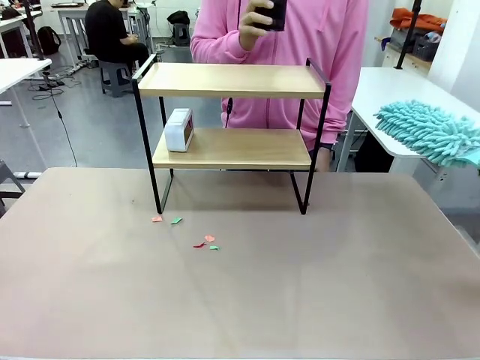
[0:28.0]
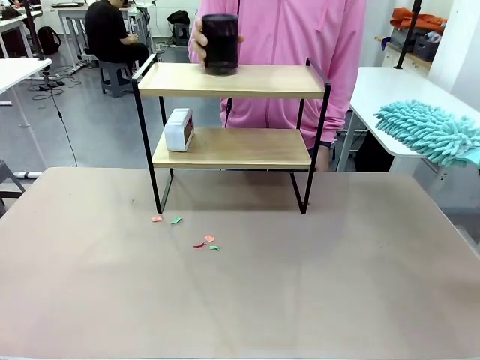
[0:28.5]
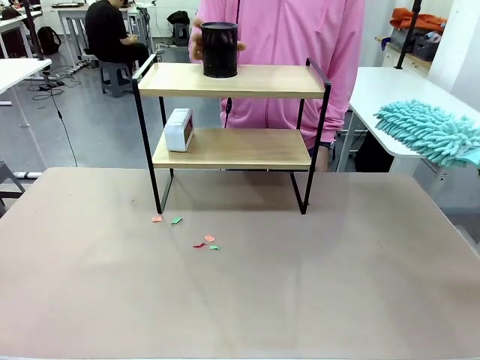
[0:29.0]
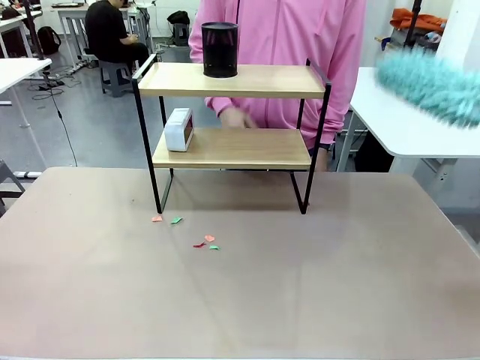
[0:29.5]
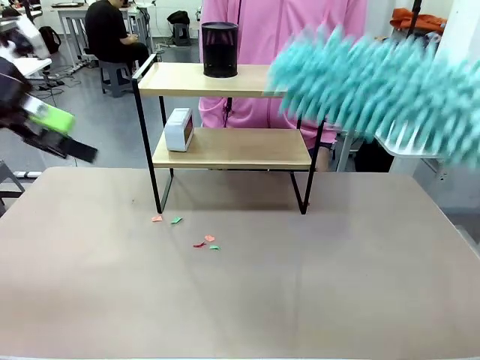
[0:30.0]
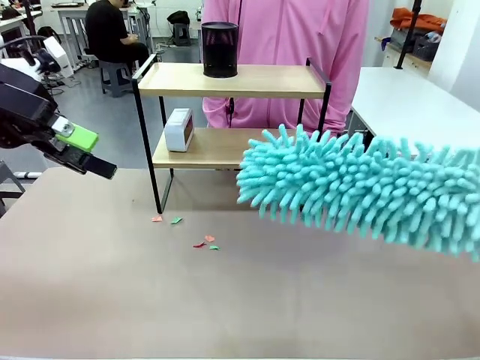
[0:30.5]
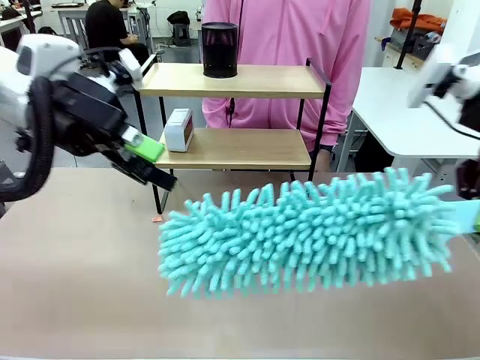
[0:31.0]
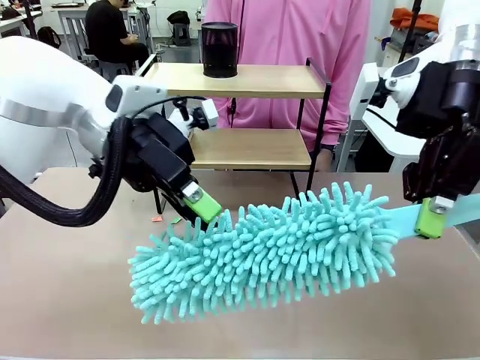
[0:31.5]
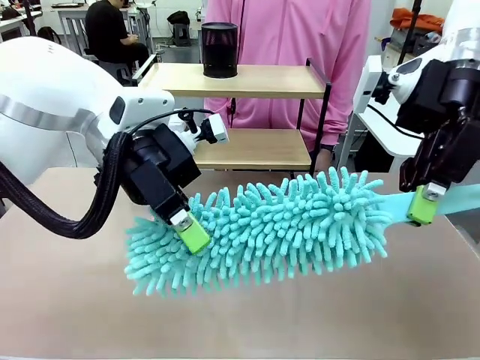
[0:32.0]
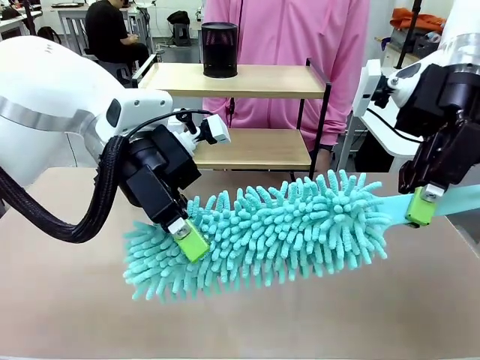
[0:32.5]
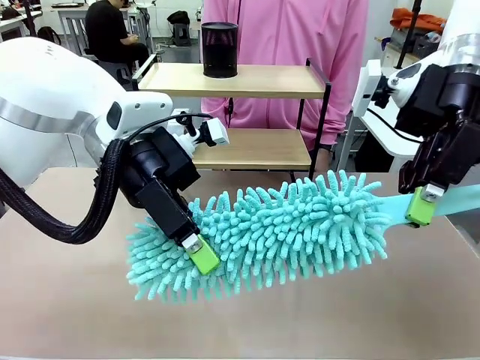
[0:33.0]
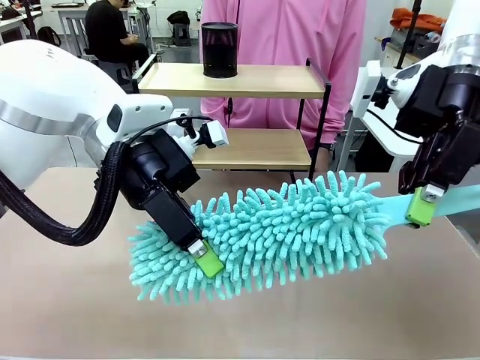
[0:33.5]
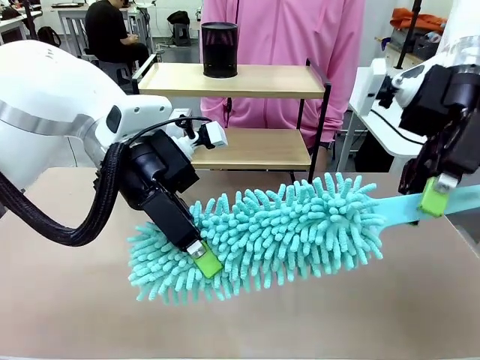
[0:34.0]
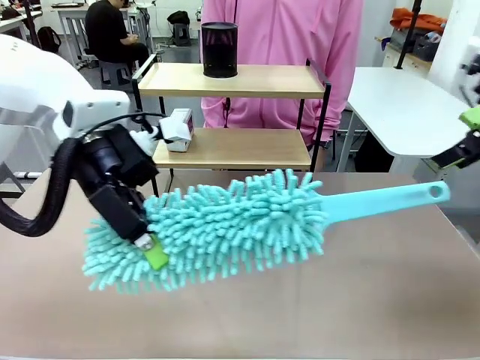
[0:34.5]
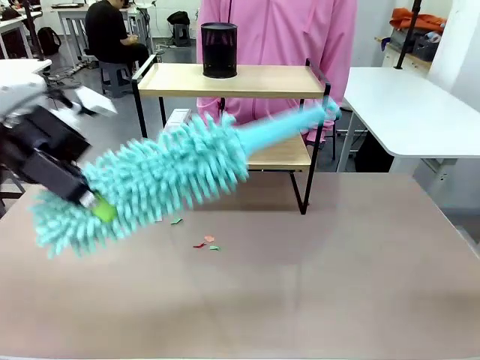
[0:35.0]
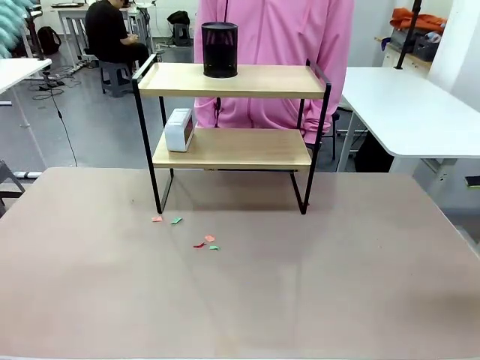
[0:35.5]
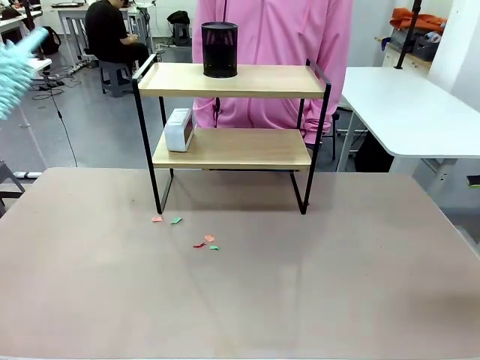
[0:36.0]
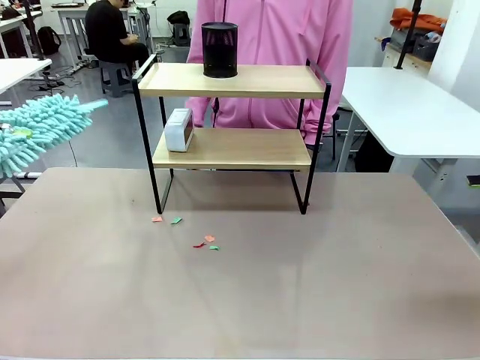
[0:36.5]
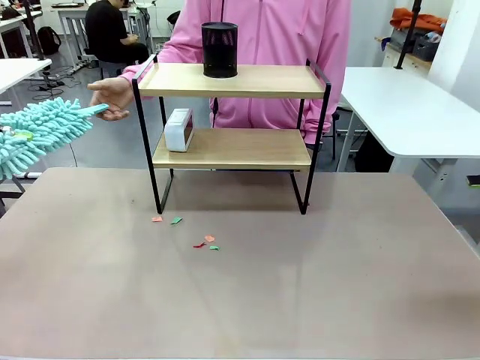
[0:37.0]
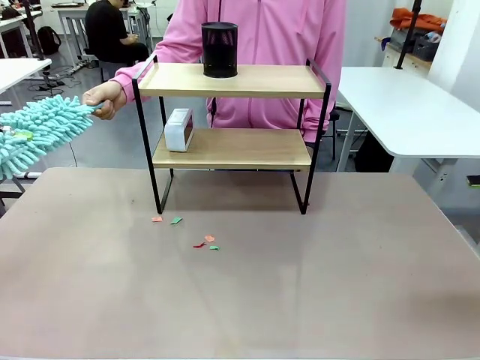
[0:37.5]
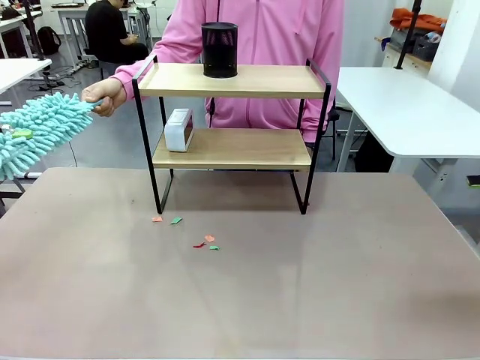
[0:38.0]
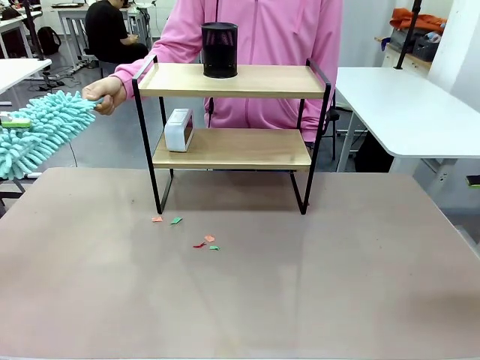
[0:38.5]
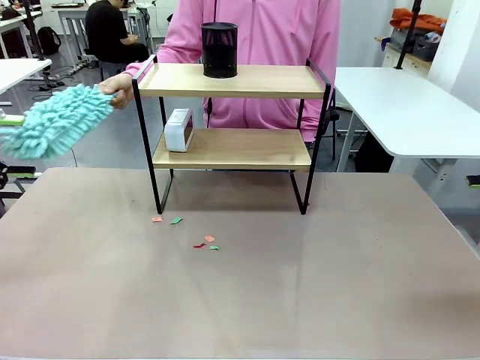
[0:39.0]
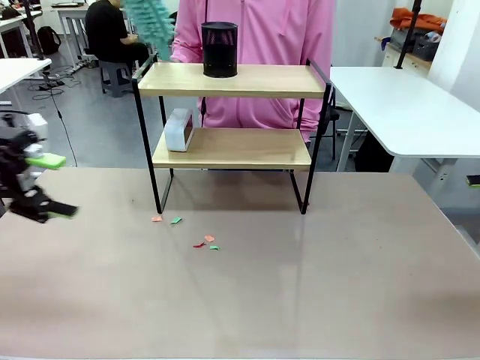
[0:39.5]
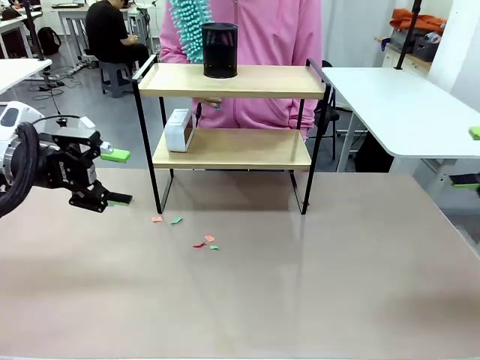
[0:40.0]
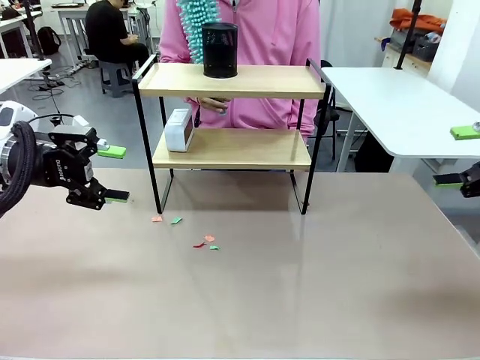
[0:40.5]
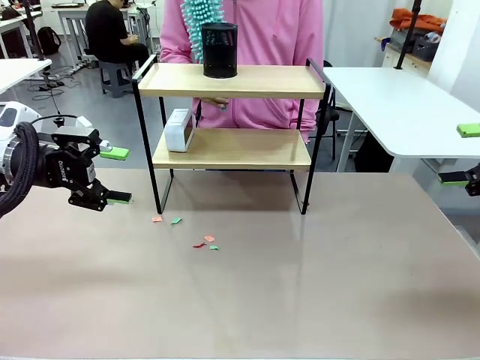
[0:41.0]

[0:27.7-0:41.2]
Task: Clean the shelf.
Robot: Hand the Duster back to the human.
Person: Receive the Duster from the robot.

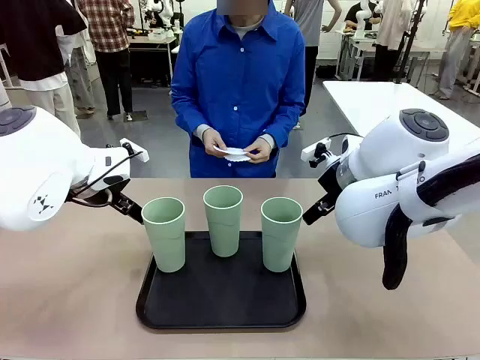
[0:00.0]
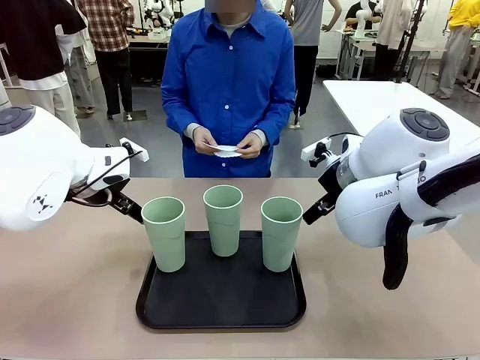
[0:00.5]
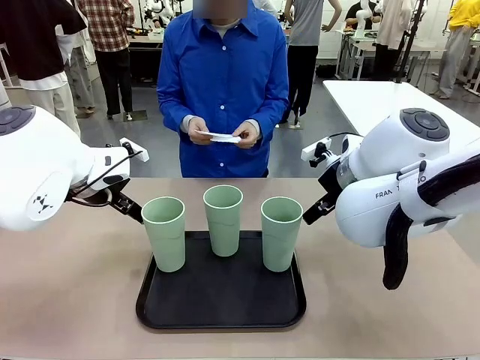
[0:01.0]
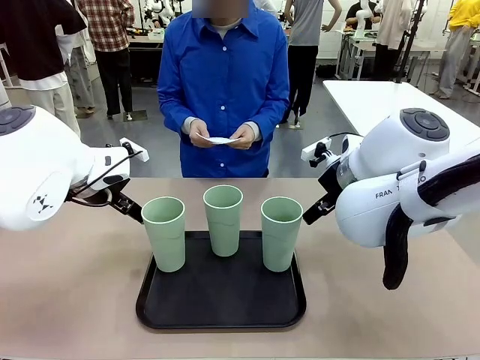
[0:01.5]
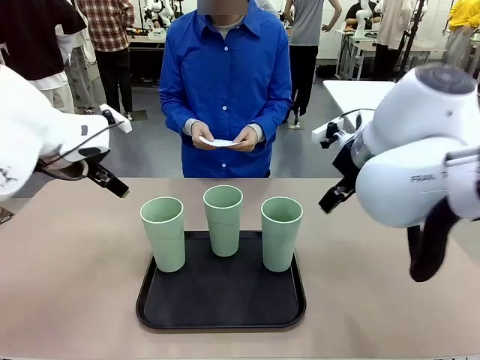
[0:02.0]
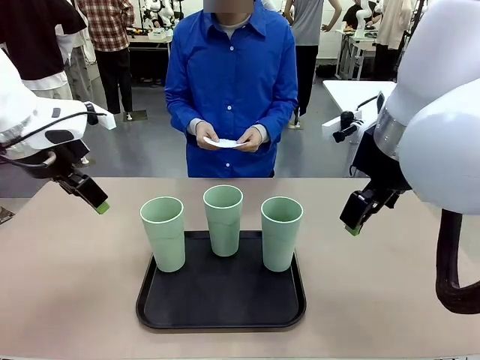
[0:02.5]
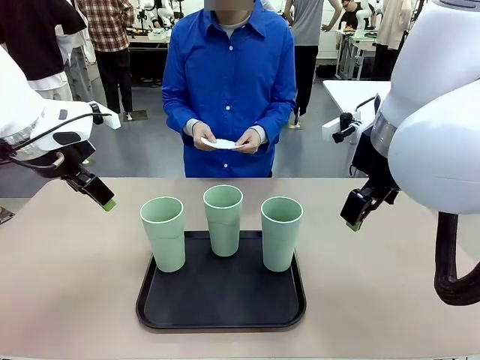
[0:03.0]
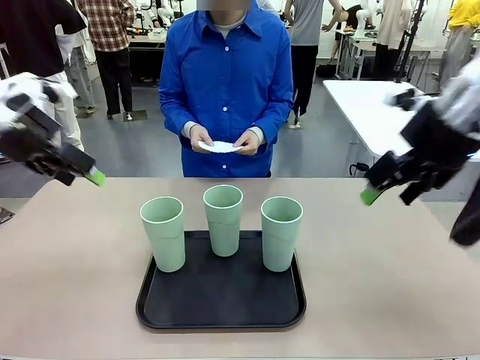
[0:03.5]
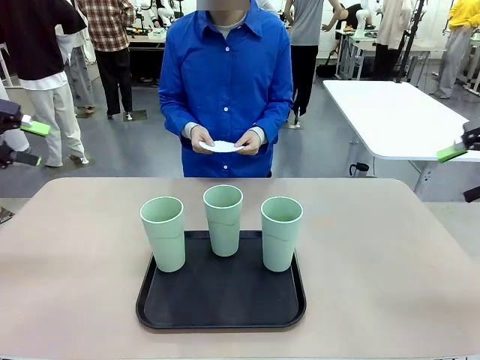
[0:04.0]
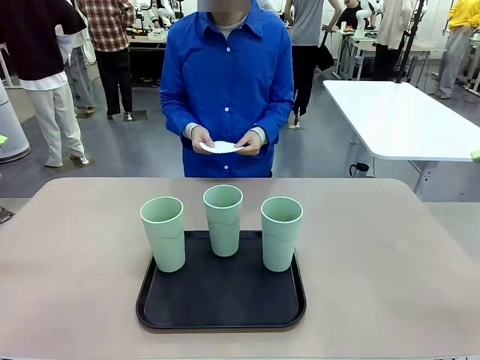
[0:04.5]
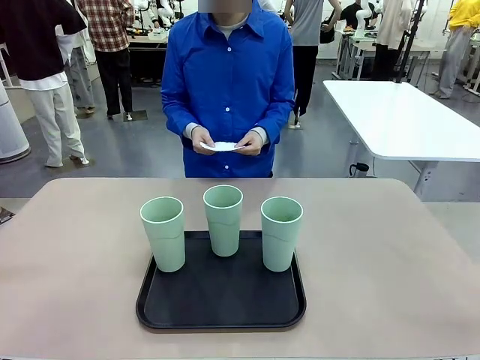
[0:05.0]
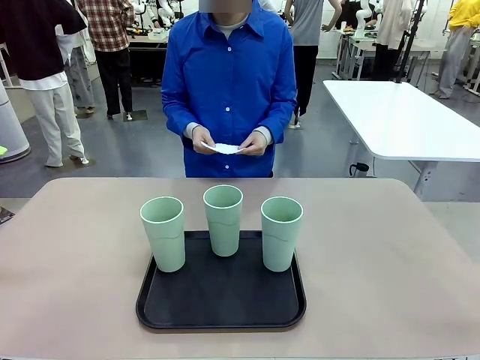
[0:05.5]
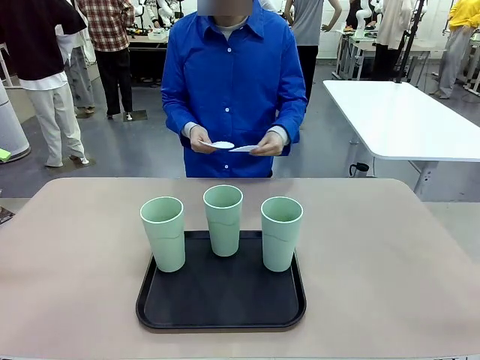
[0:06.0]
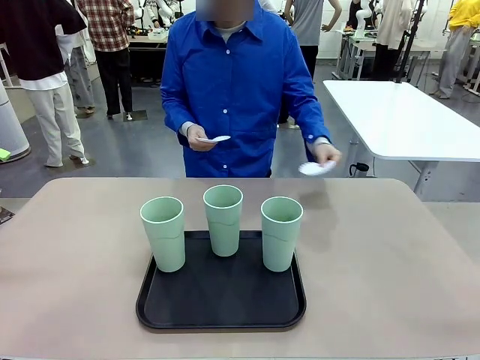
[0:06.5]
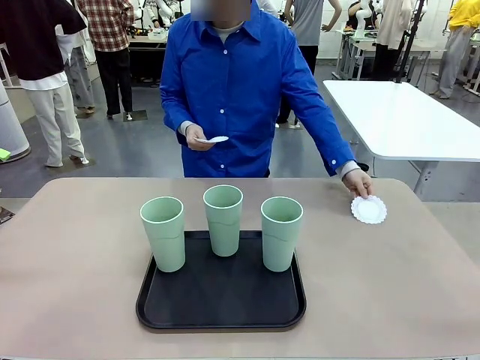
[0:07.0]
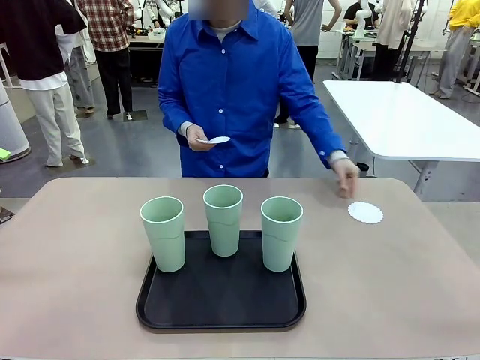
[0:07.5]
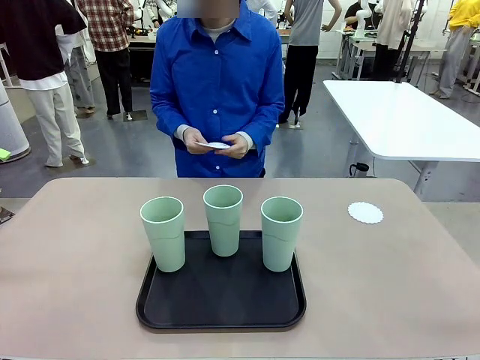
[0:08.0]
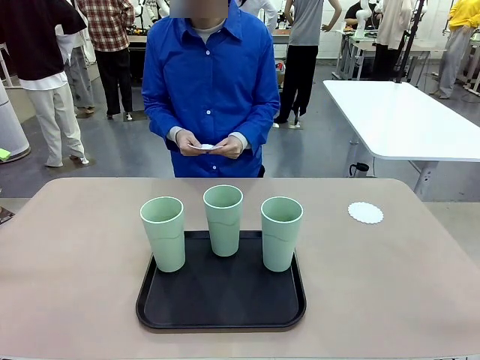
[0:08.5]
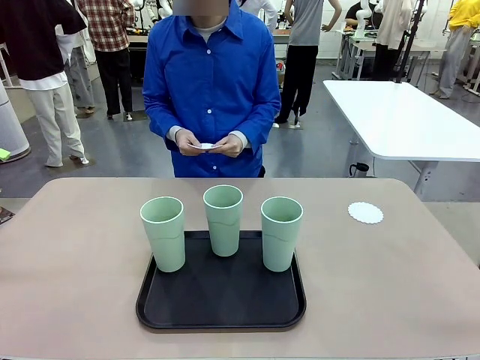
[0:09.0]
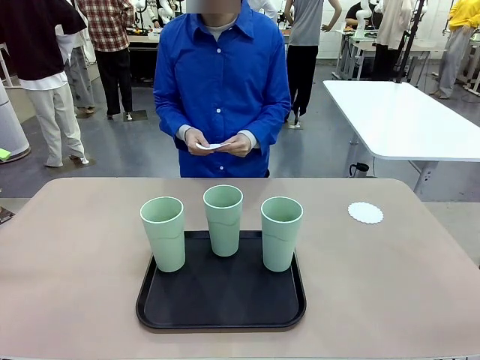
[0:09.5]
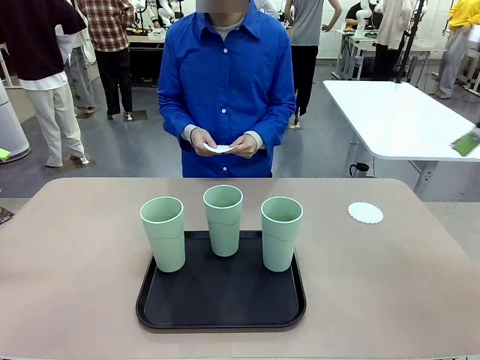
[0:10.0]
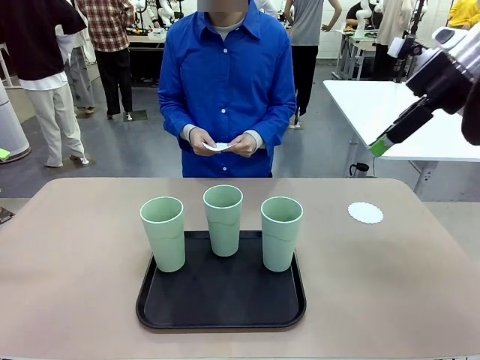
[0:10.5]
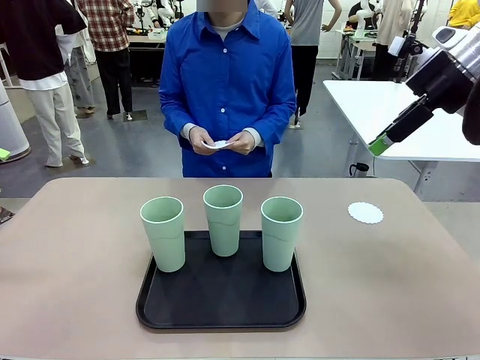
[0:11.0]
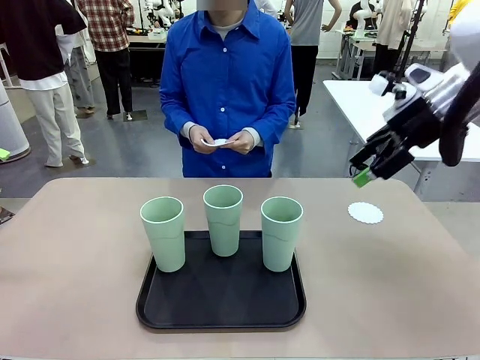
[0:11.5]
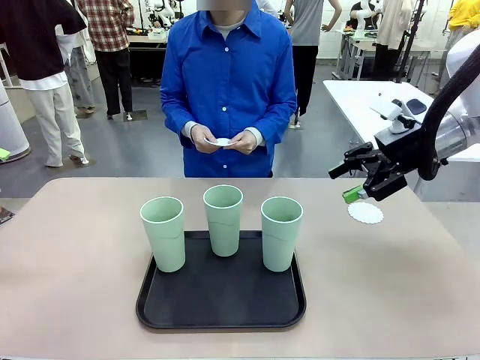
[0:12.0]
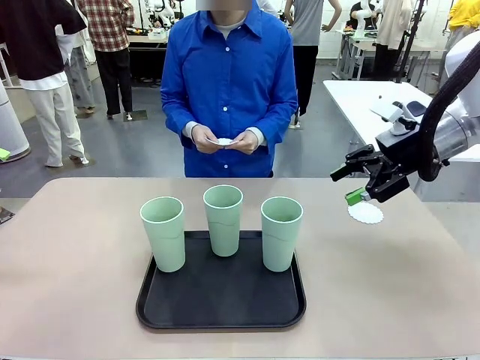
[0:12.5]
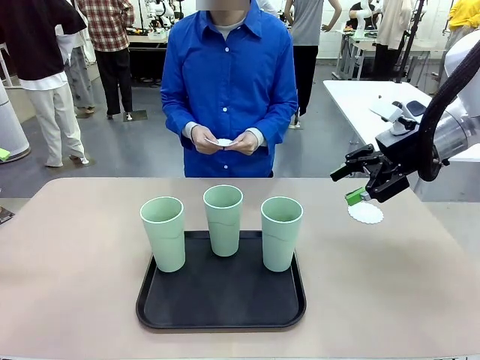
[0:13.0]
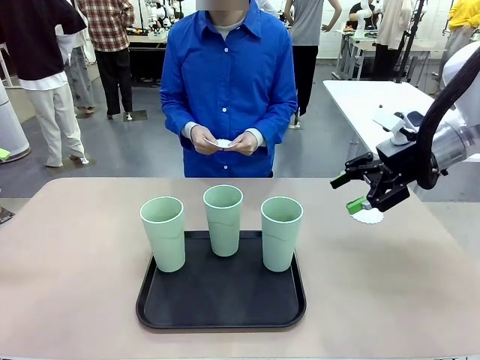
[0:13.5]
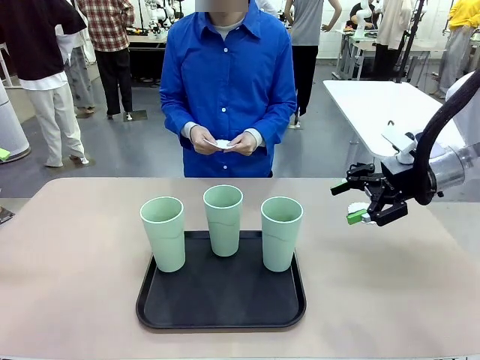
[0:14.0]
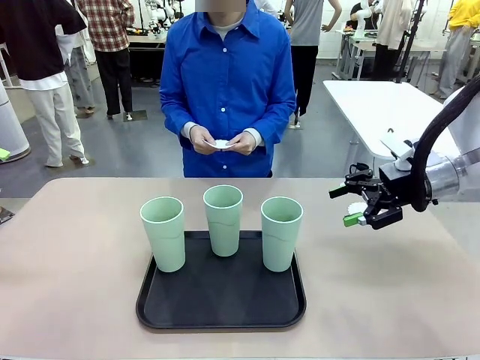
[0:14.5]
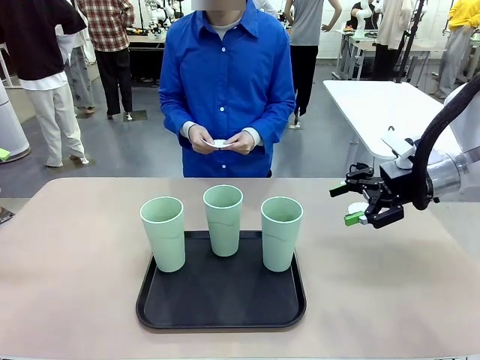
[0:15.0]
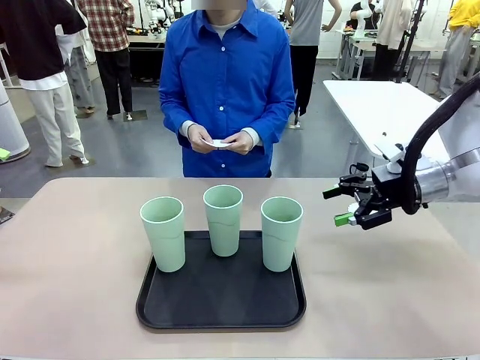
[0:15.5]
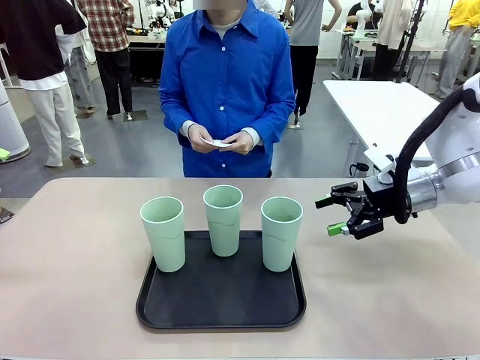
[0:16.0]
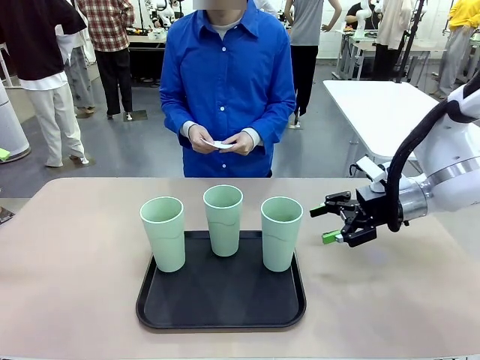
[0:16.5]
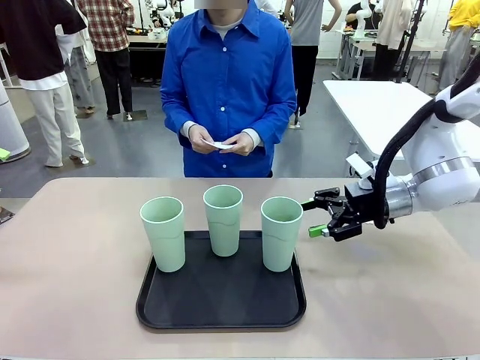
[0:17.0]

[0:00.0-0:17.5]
Task: Place coasters on the table and set cups on them.
Robot: Pick up one Reusable plastic cup and place it on a coaster set by the human.
Person: Place one coaster in any one of the three lower areas of the robot table (left, center, or right).
